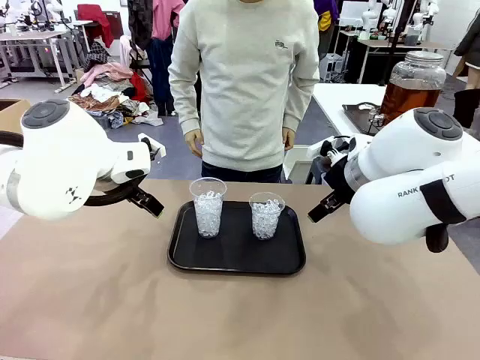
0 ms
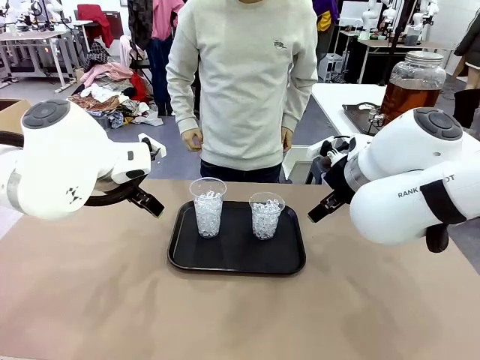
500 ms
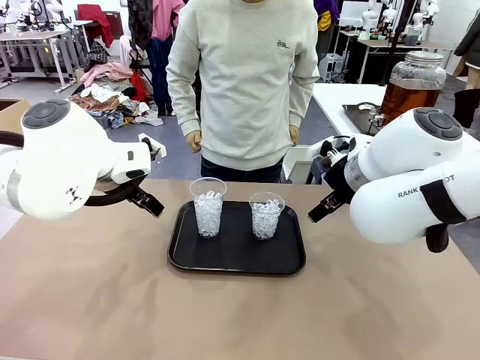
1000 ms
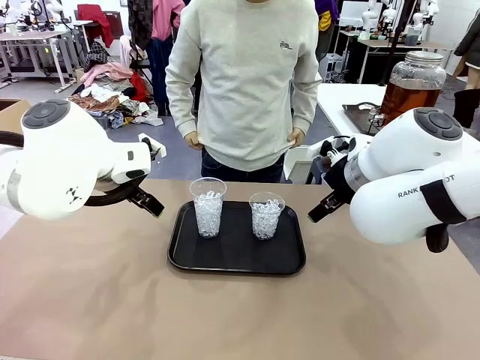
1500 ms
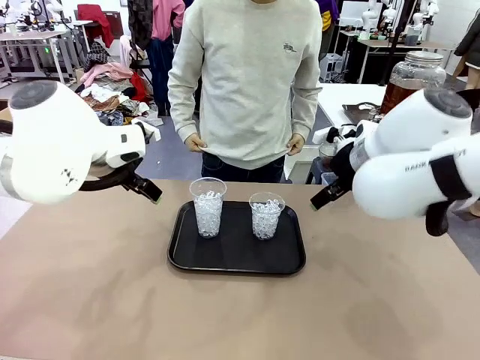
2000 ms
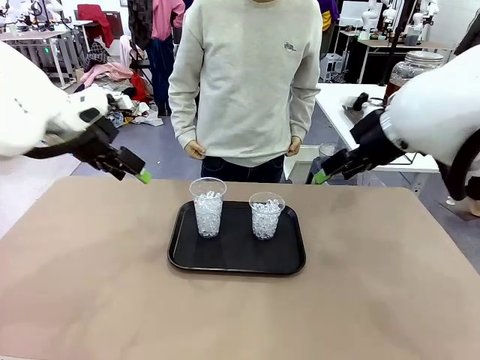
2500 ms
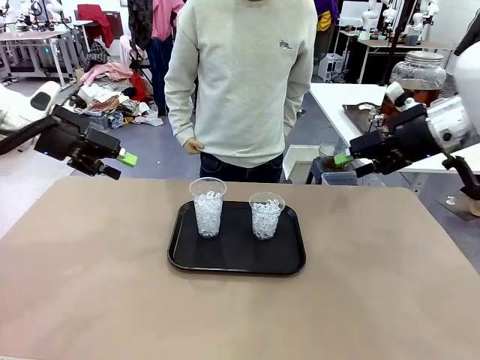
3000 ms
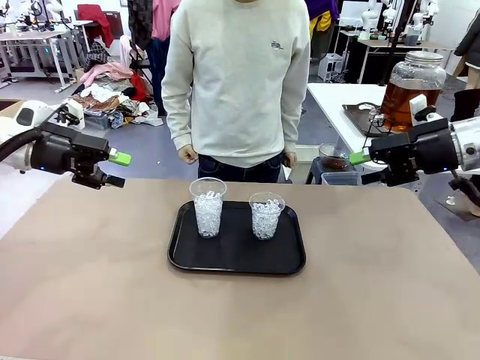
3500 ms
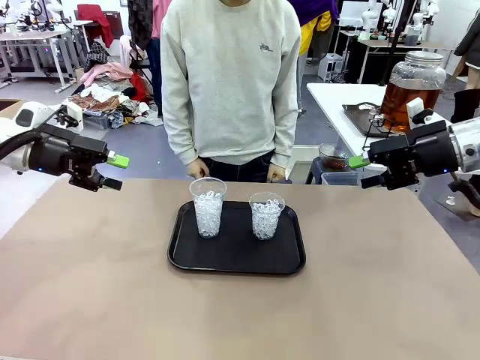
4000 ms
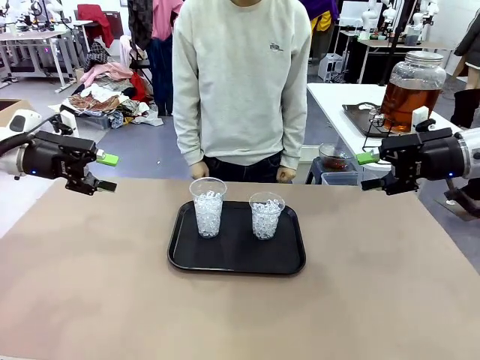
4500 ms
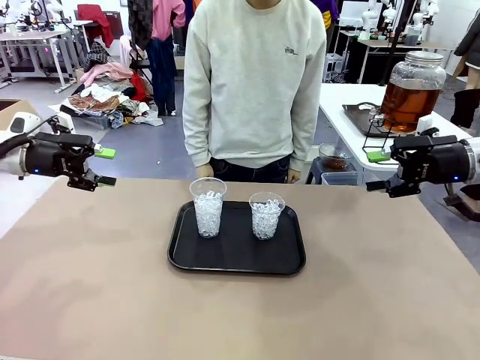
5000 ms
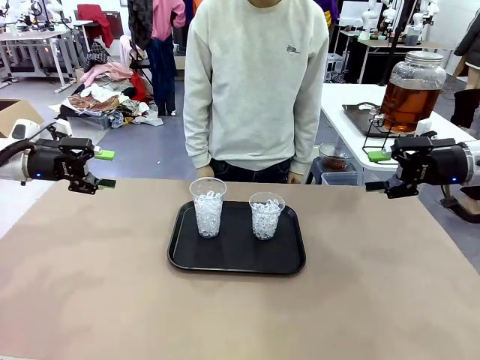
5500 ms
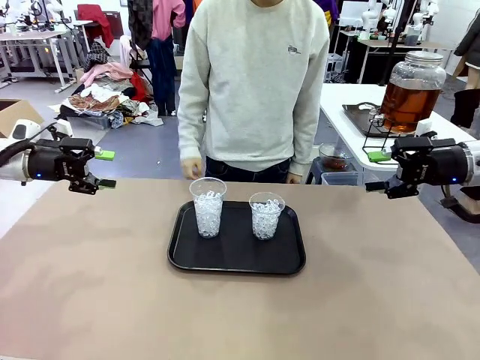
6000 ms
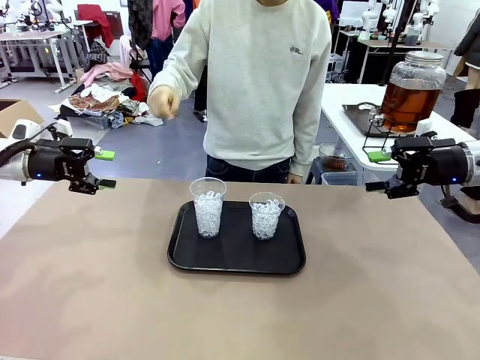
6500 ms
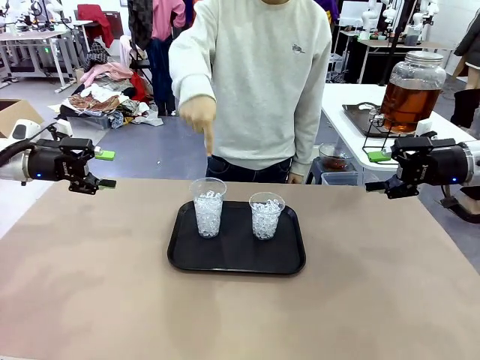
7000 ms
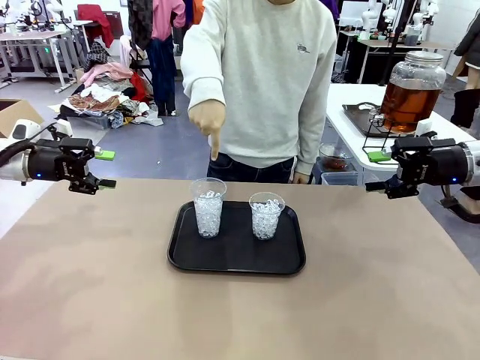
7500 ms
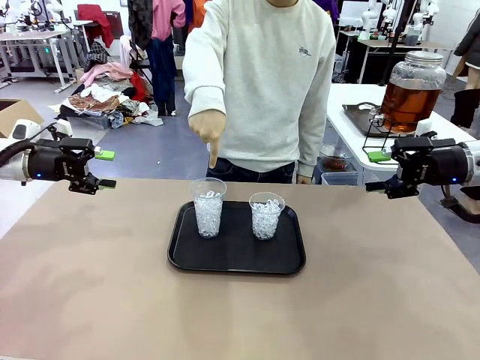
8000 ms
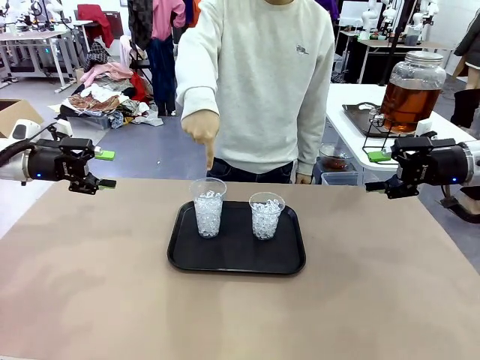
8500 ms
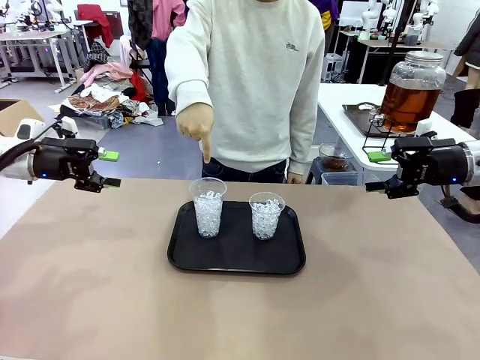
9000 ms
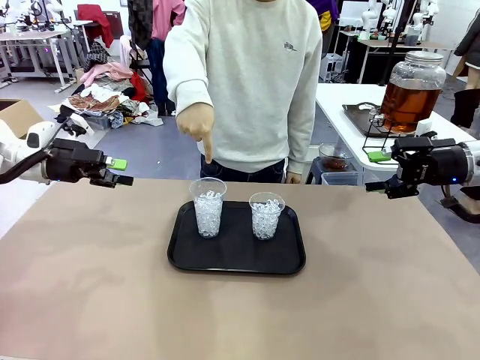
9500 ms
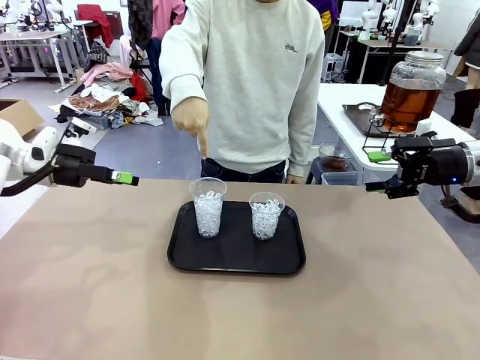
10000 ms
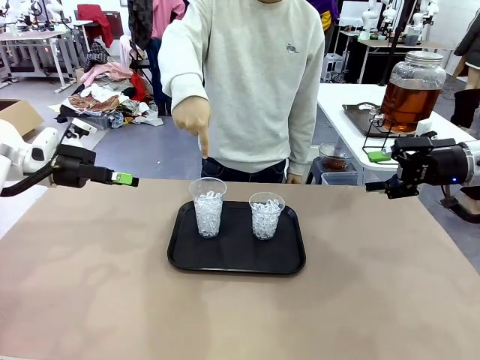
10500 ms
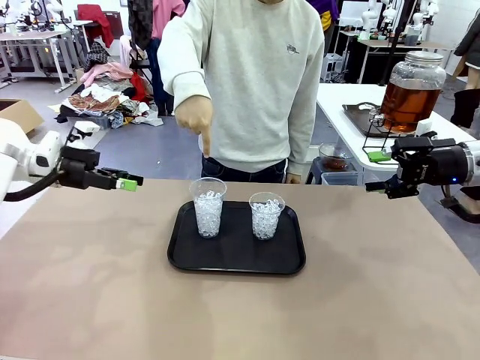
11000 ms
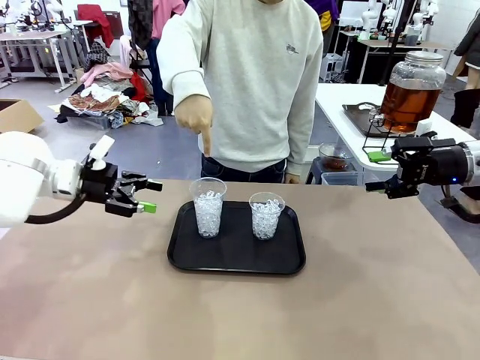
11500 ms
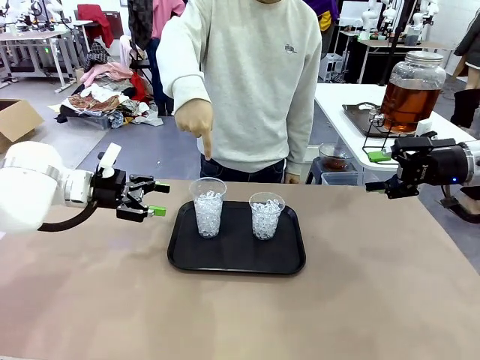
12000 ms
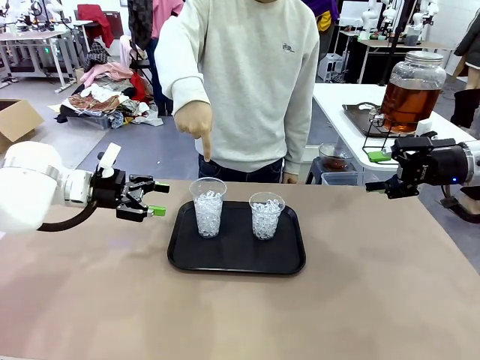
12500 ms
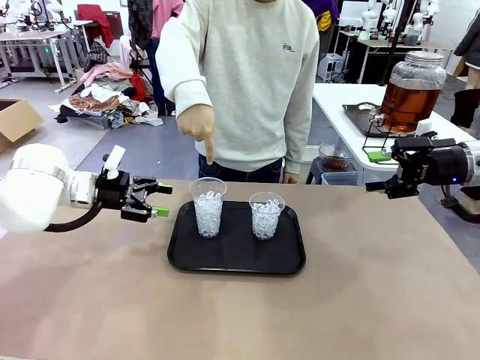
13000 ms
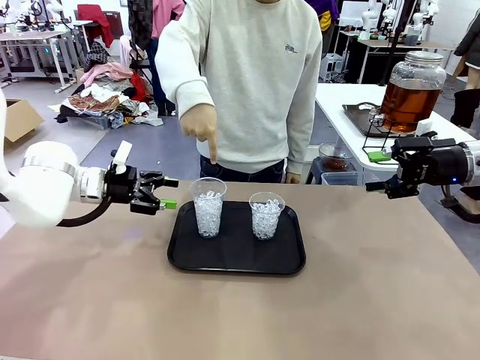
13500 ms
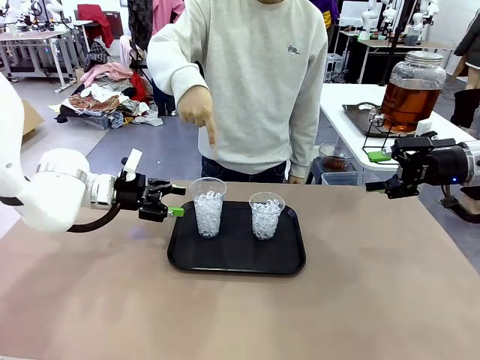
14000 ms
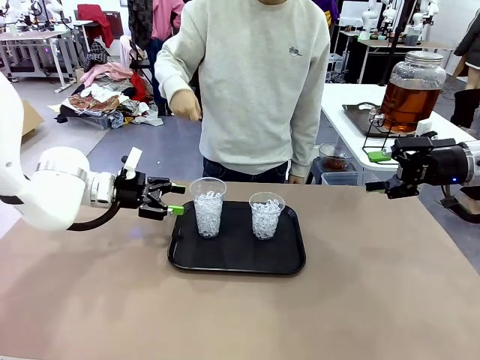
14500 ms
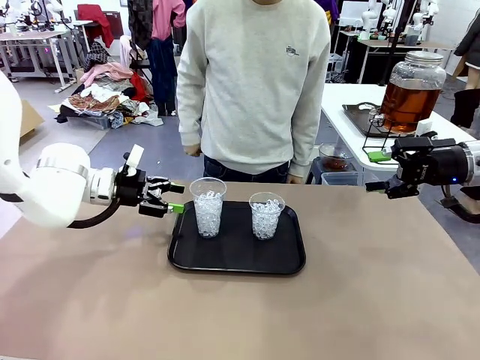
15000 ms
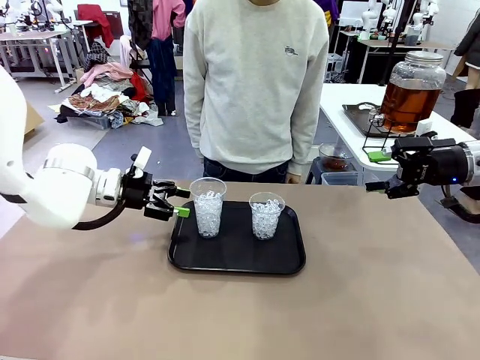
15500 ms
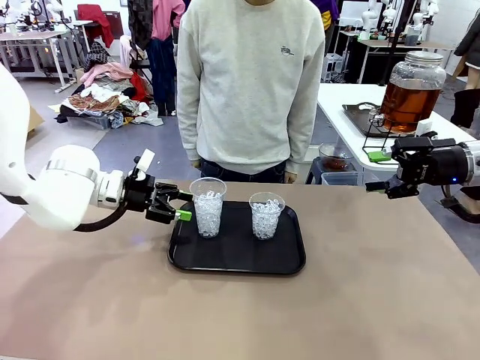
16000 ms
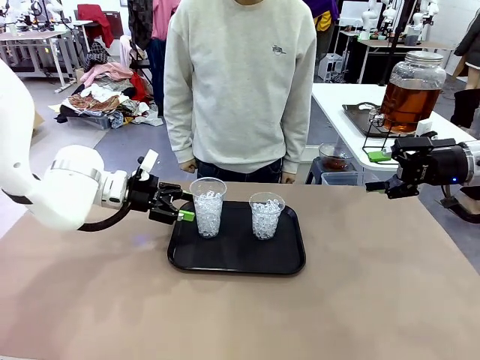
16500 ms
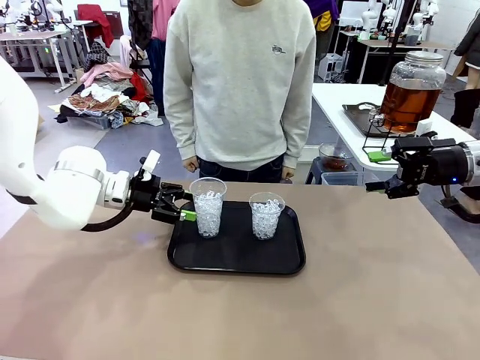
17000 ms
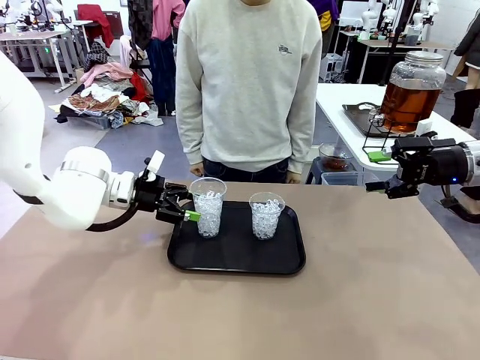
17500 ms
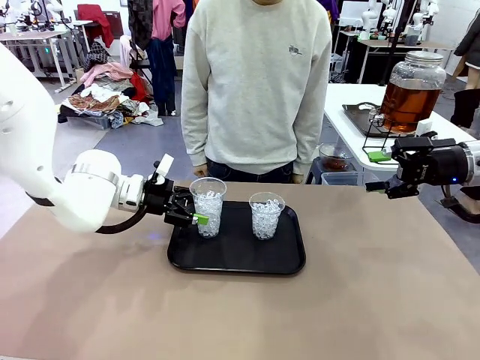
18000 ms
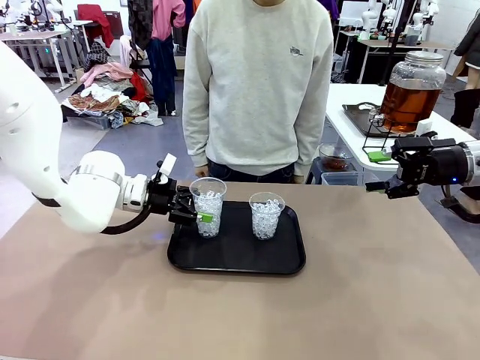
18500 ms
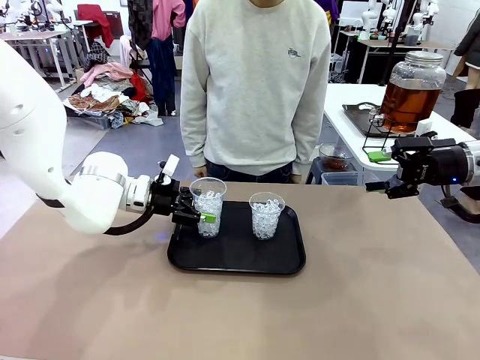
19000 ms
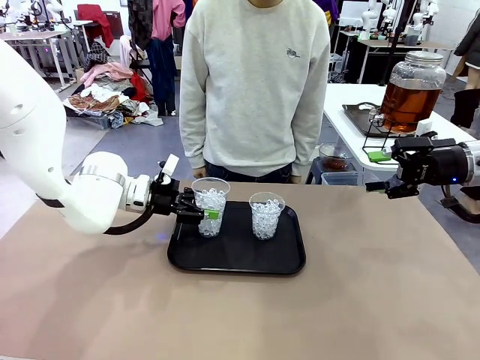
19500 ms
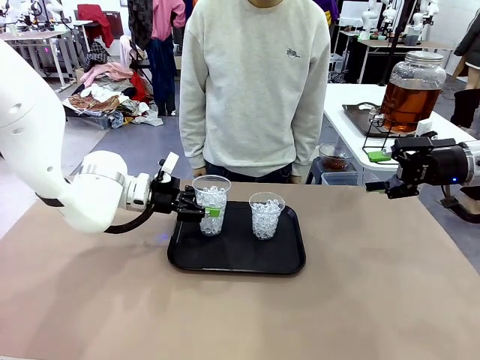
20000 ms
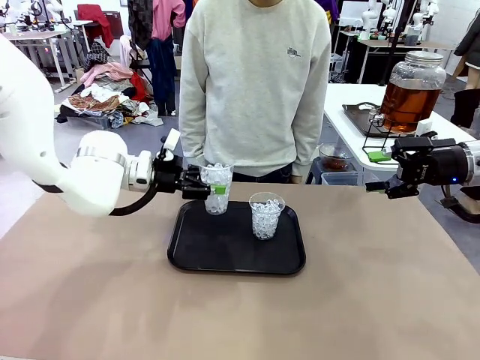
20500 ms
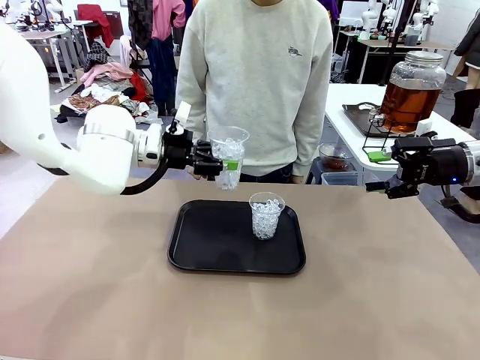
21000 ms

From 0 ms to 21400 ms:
Task: Pour the drink into the iced cup.
Robot: Pick up the iced cup indicated by the human and present it to them.
Person: Point to one of the two ice cups. Pick up the cup offered by the robot.

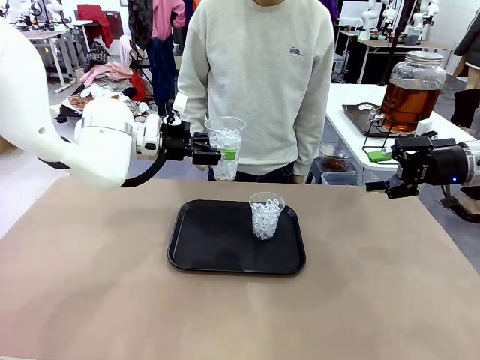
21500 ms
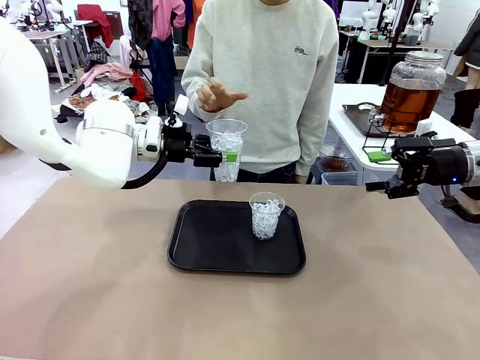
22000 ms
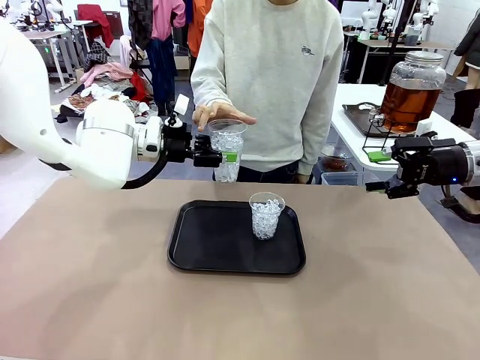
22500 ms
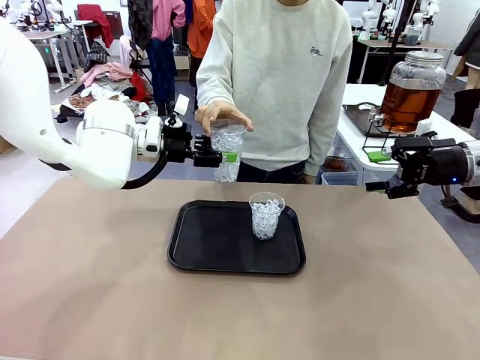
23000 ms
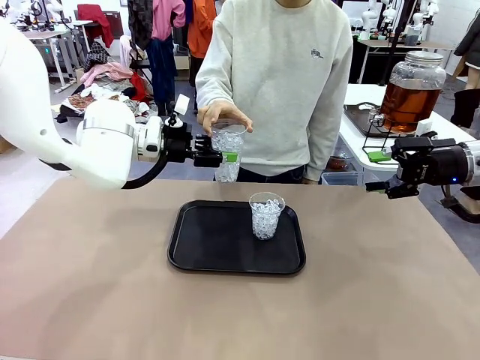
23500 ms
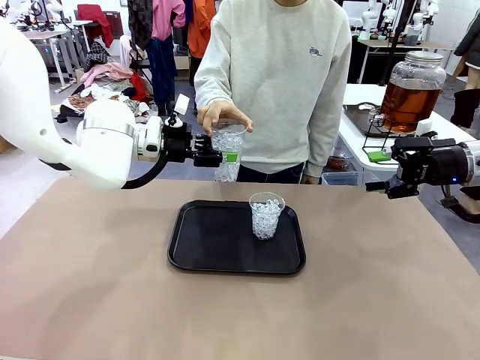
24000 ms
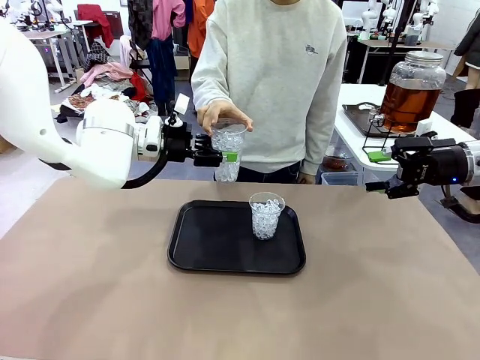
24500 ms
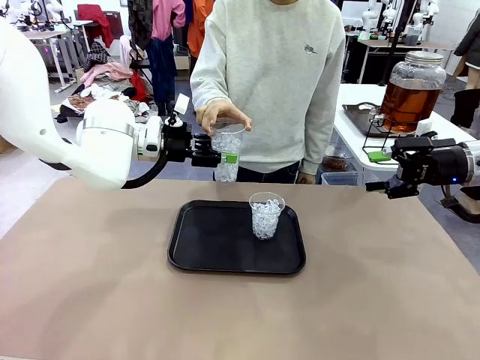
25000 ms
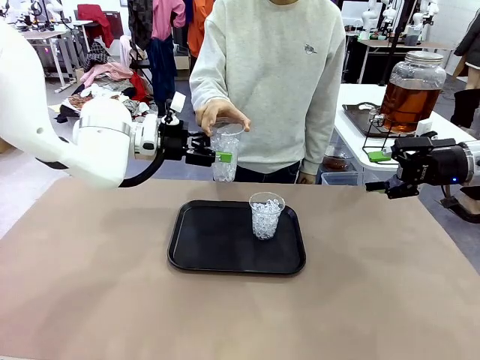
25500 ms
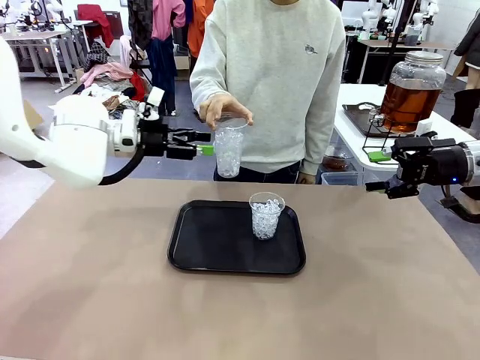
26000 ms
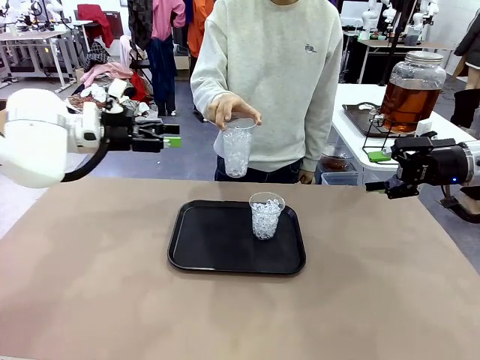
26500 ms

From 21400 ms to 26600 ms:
Robot: Open the gripper to release the iced cup you were holding.
